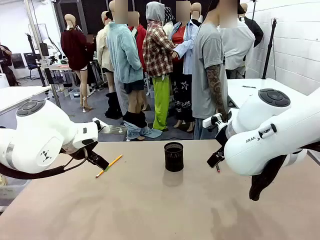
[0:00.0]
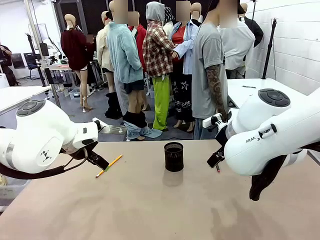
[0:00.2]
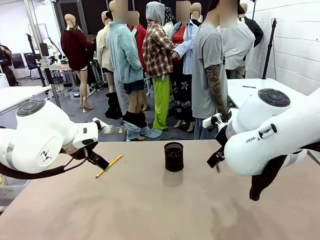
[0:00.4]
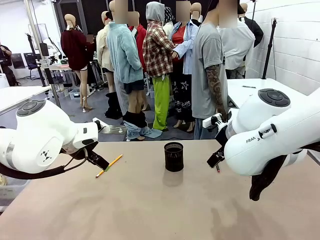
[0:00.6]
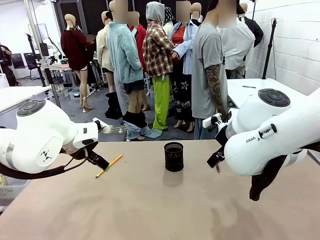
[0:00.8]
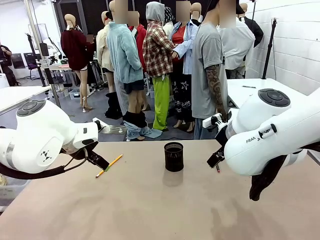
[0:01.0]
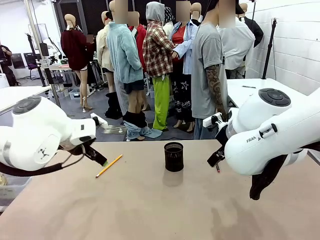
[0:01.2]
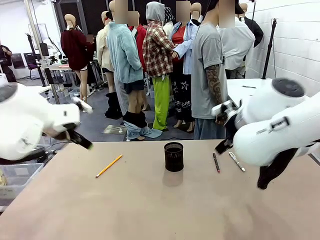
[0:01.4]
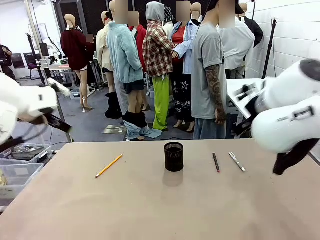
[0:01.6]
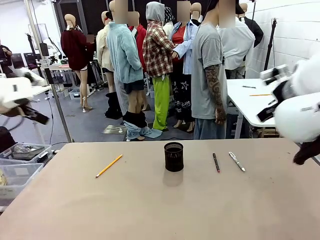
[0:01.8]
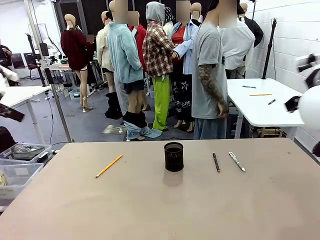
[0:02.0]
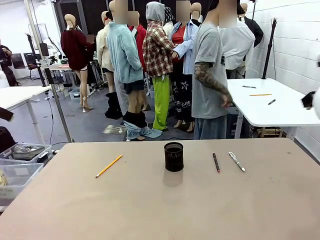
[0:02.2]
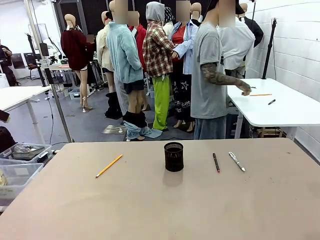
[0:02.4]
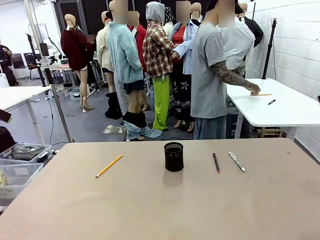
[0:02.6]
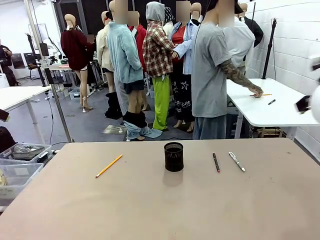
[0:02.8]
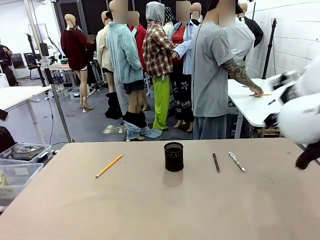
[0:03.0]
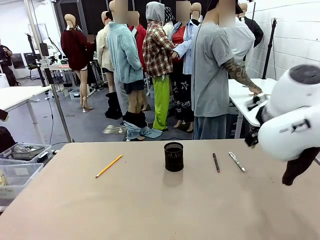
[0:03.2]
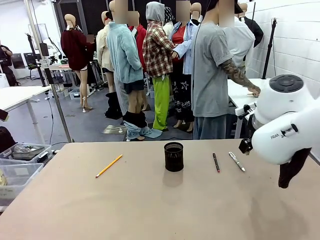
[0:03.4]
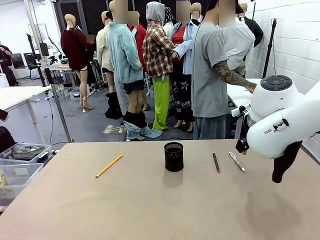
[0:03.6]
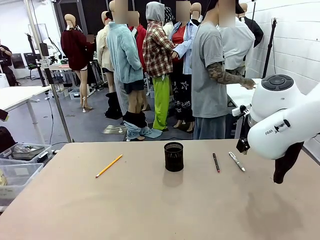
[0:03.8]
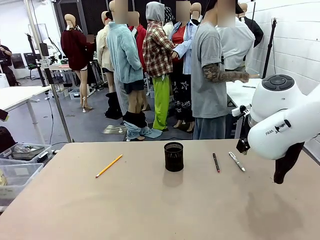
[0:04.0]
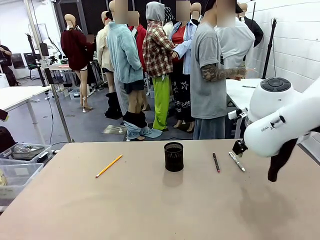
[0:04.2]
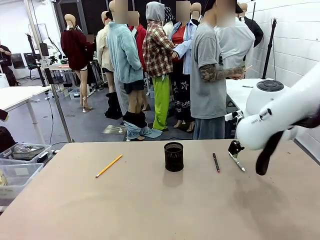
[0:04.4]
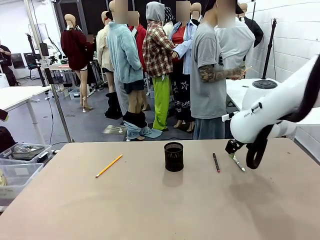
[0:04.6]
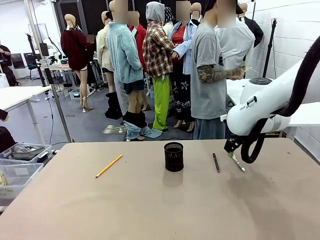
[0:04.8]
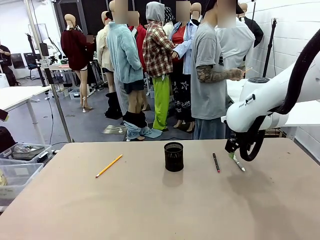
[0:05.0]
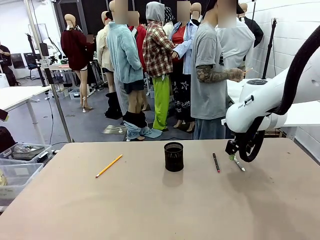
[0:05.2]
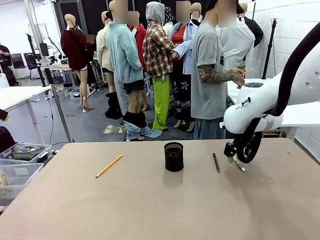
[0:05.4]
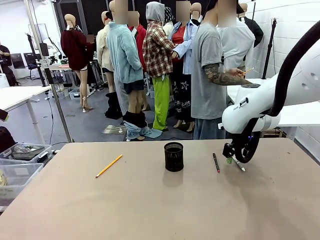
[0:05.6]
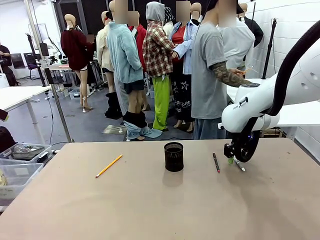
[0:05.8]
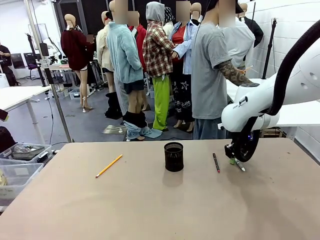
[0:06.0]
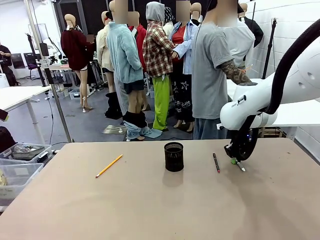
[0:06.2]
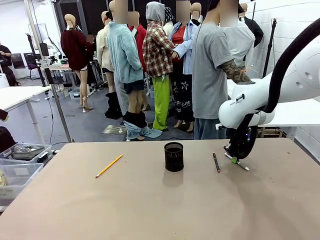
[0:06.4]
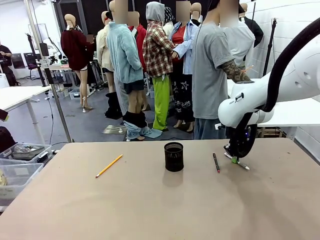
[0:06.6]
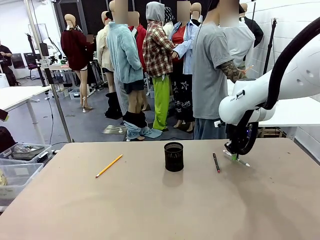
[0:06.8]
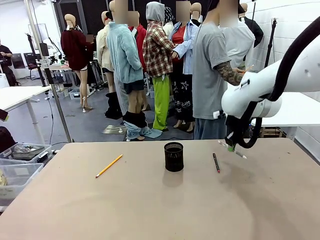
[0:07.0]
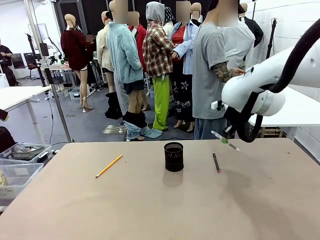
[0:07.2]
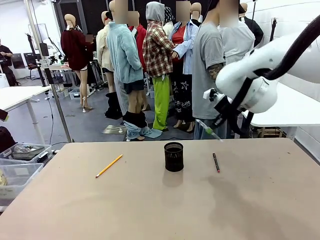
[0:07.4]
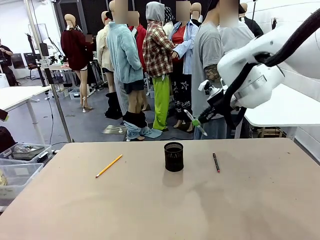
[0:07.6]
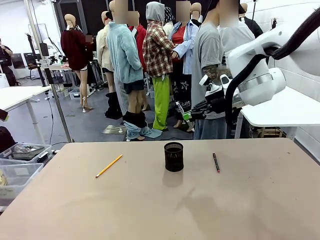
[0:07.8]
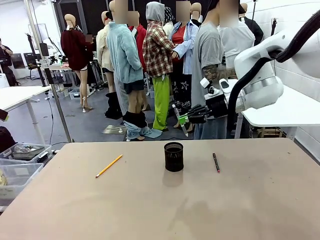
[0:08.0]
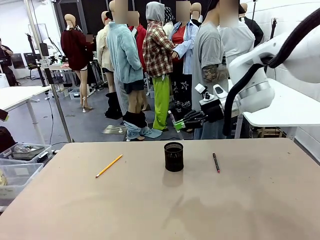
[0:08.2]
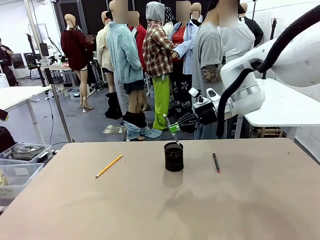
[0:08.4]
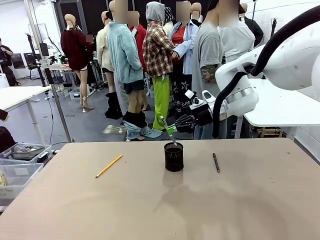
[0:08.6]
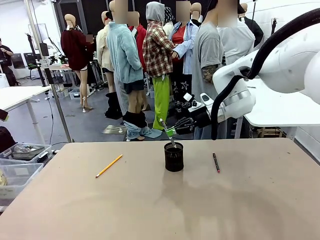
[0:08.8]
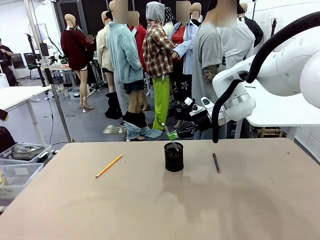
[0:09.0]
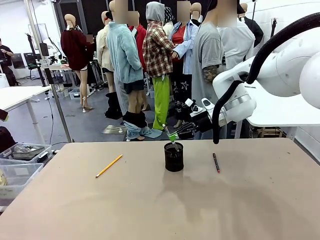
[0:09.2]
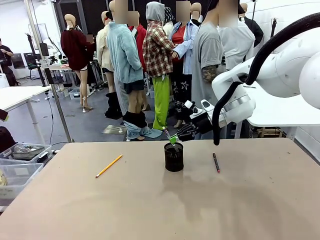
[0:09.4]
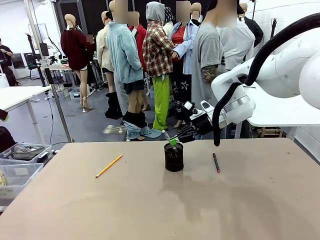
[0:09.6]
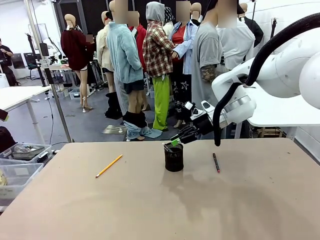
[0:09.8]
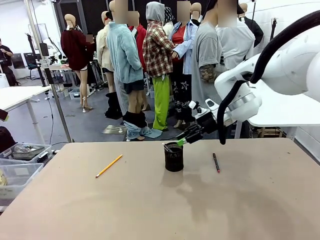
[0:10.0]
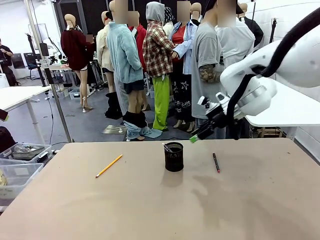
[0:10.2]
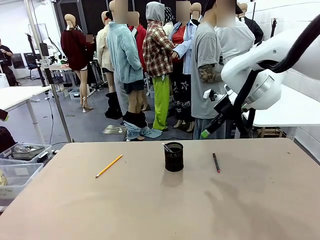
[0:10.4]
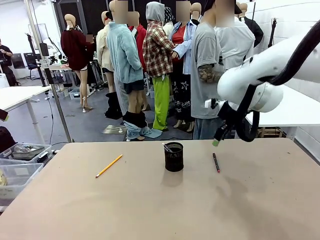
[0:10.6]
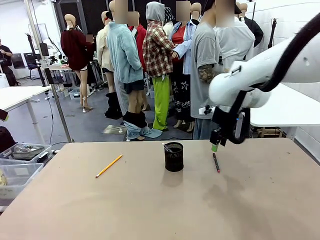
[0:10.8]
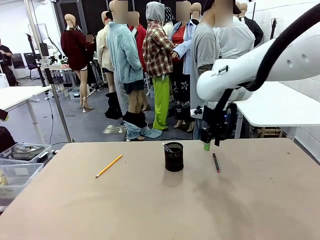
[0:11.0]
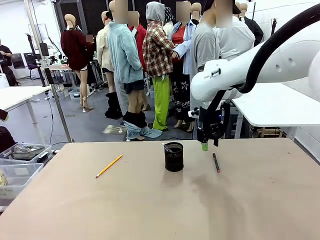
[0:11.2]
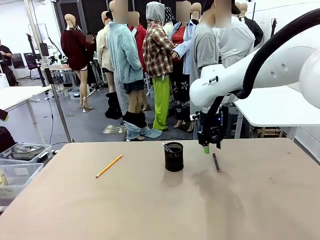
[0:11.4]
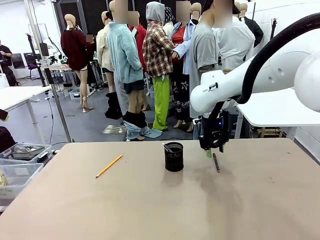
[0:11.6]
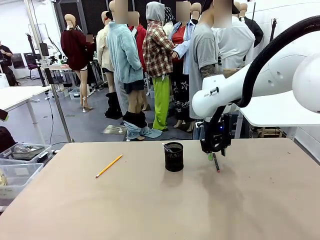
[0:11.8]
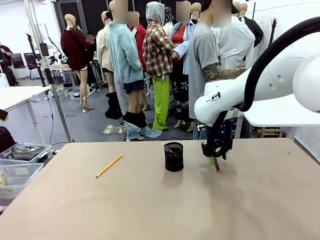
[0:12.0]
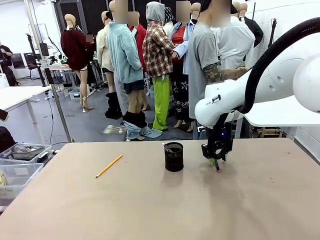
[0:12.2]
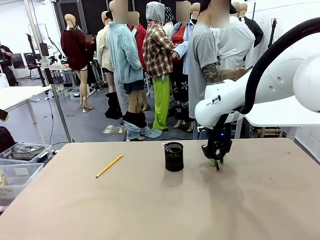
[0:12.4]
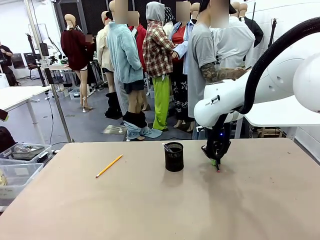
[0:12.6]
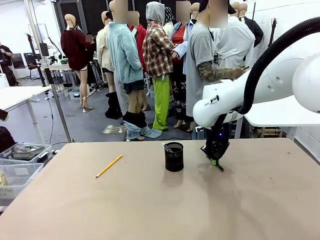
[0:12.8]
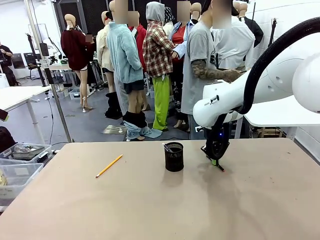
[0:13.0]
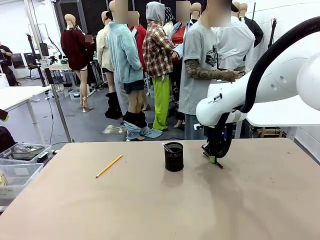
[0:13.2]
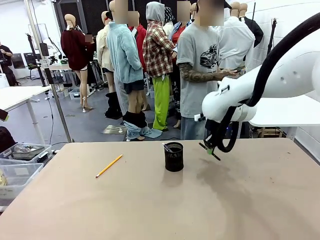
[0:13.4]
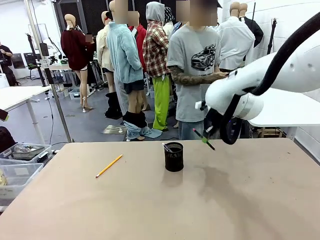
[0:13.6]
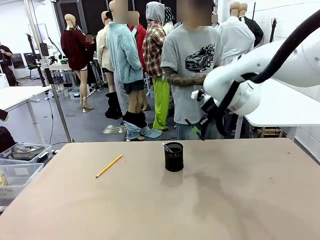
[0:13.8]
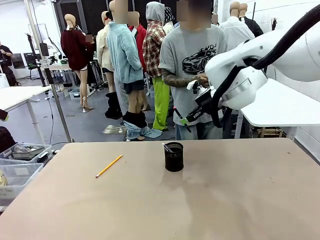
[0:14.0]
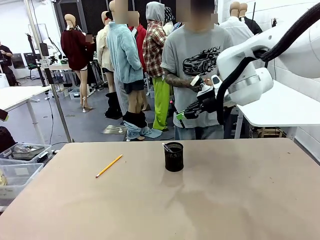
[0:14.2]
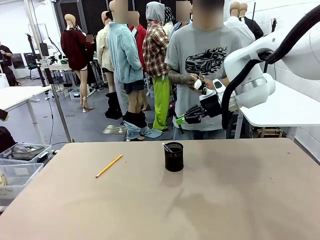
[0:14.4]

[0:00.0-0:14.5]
Task: Place the pens into the pen holder.
Robot: Pick up a writing instrument from the table and place it into the Pen holder.
Person: Pick up all writing instruments from the Human table.
